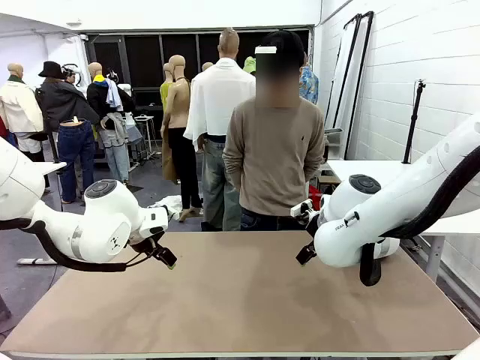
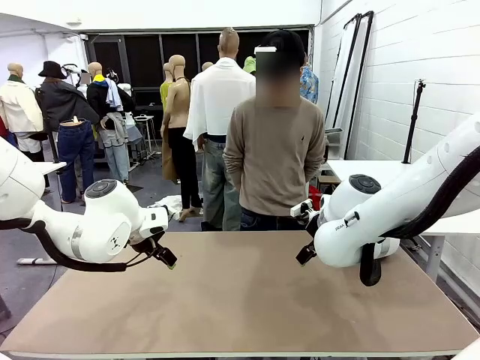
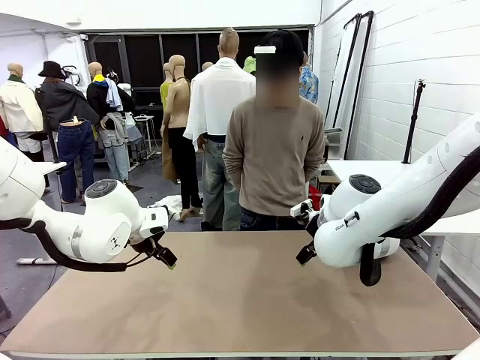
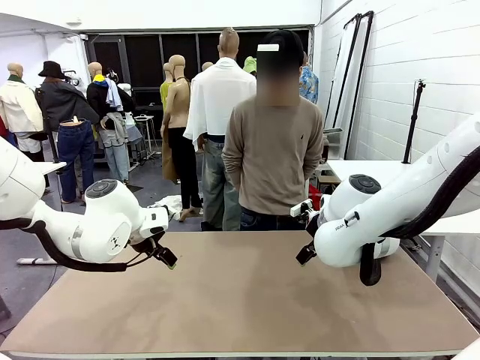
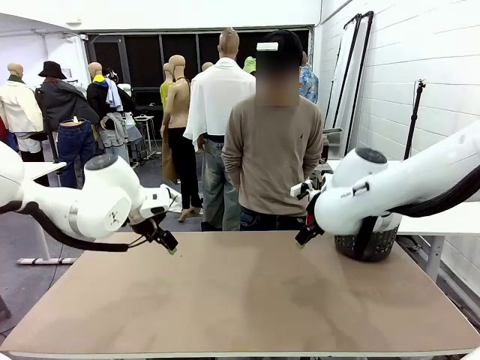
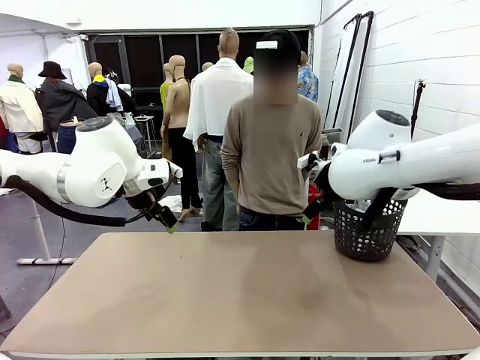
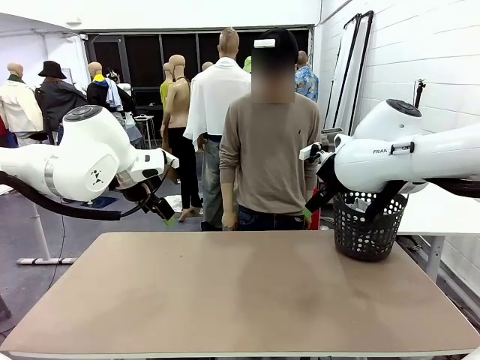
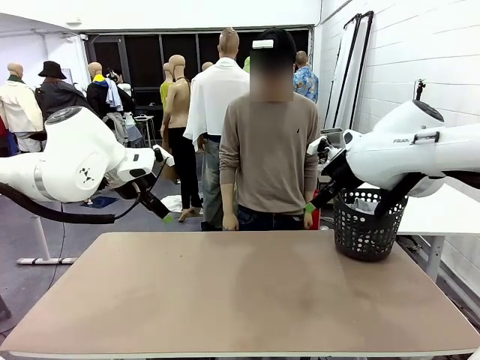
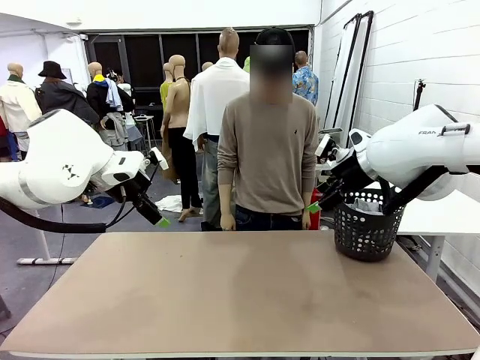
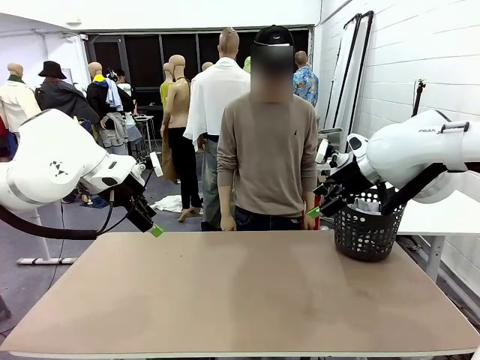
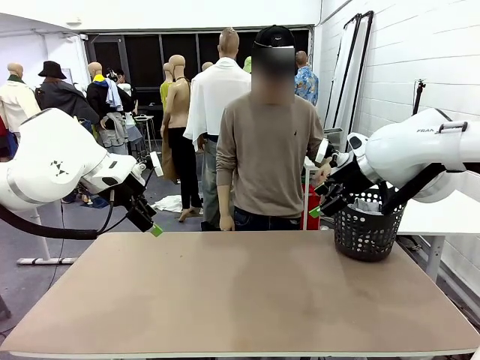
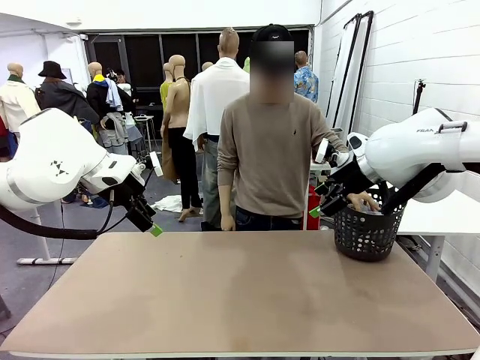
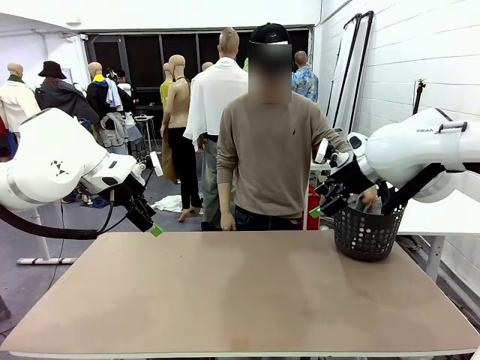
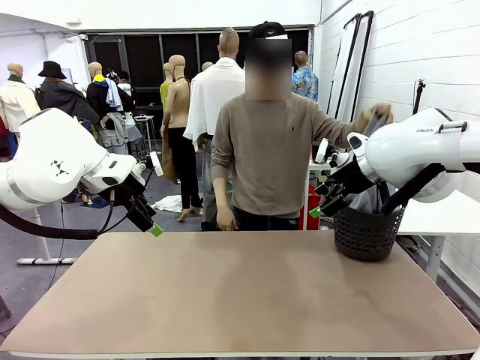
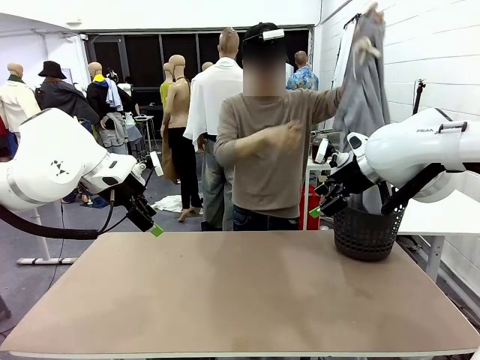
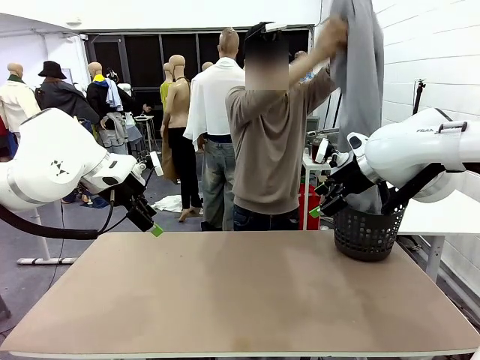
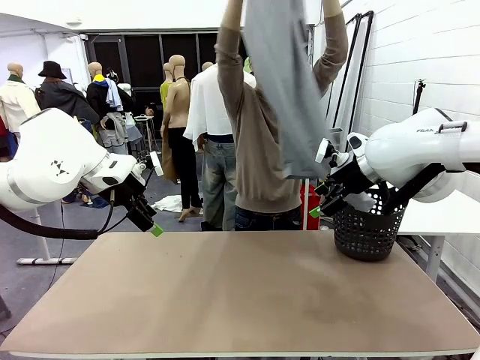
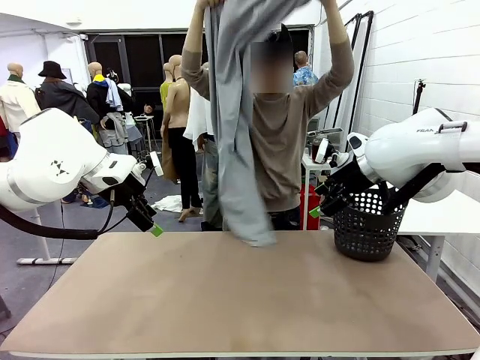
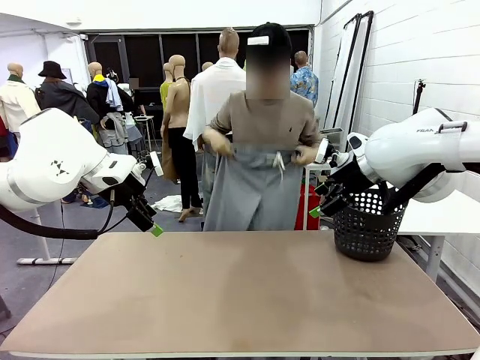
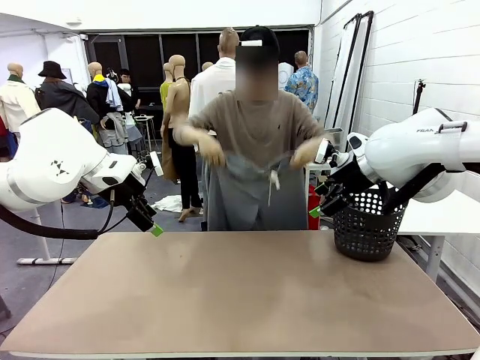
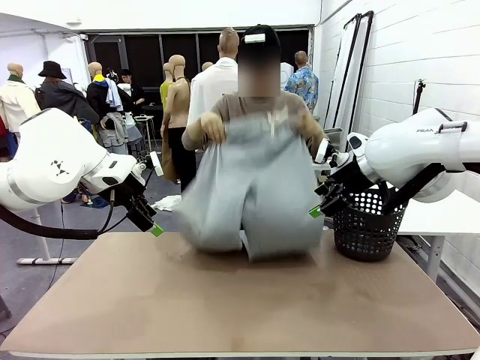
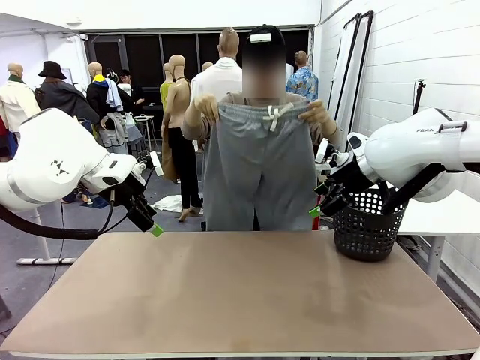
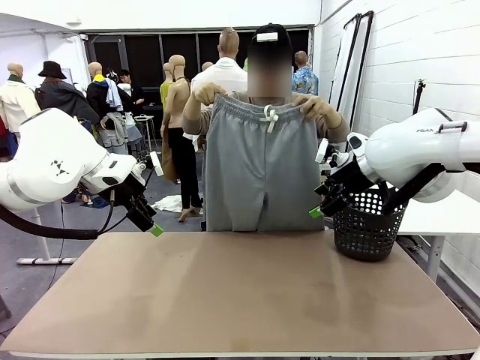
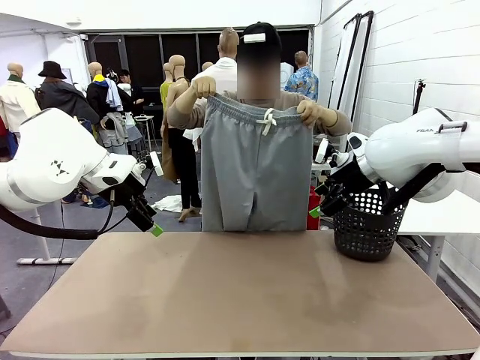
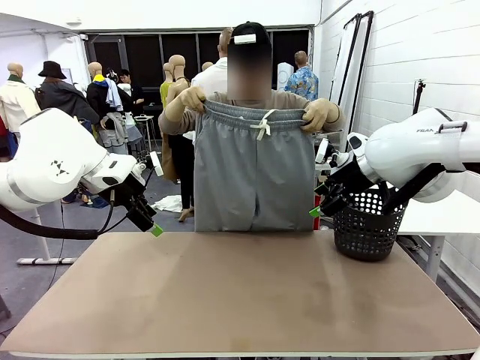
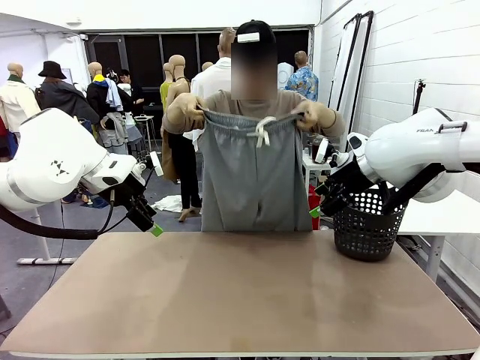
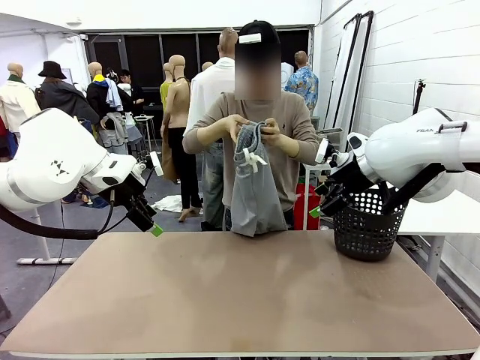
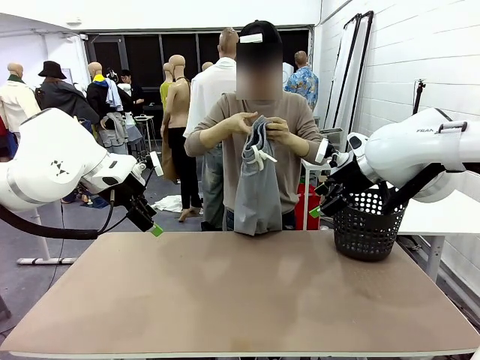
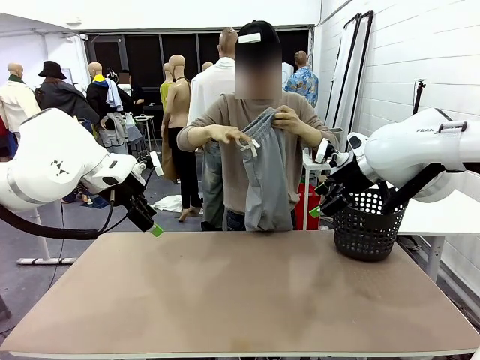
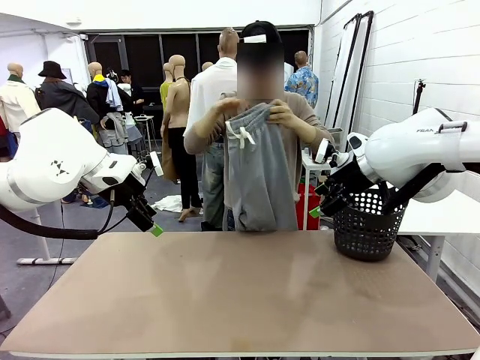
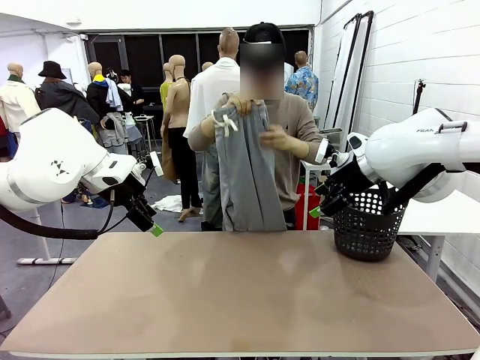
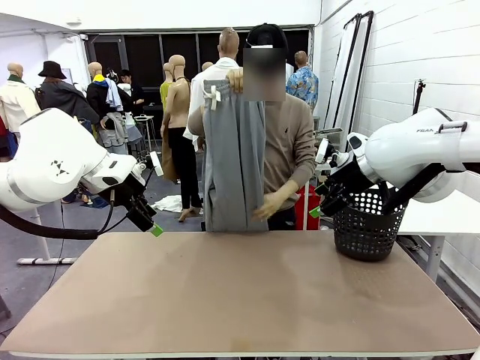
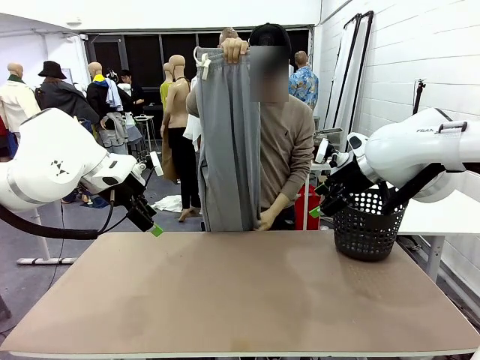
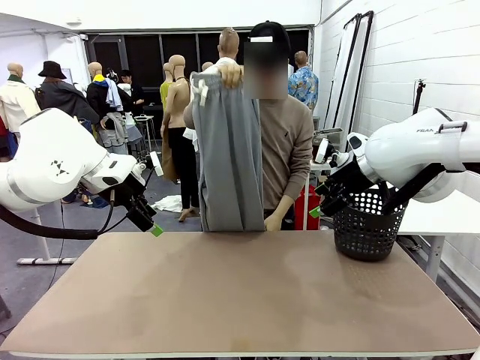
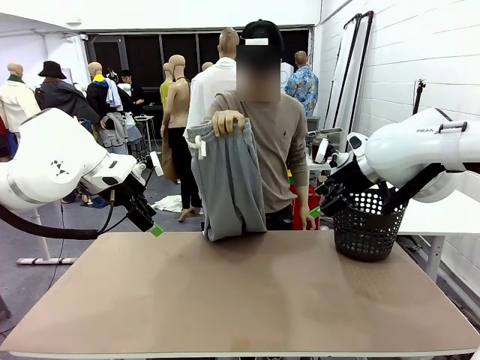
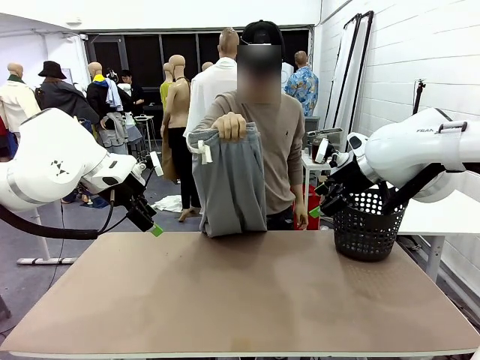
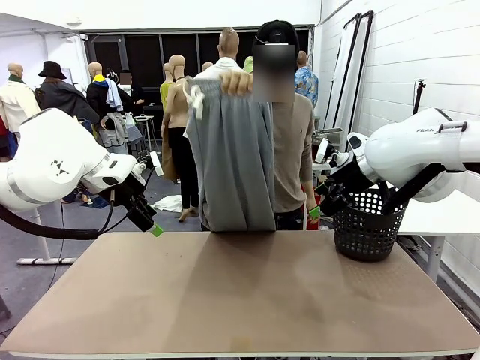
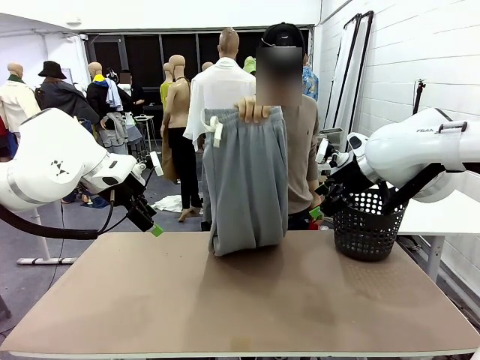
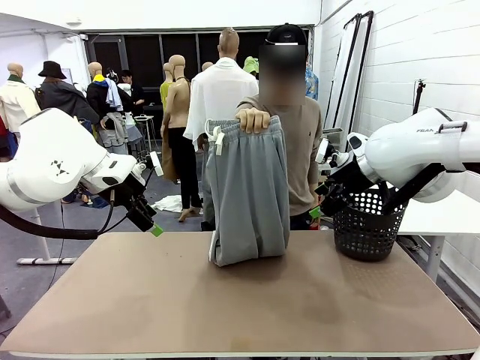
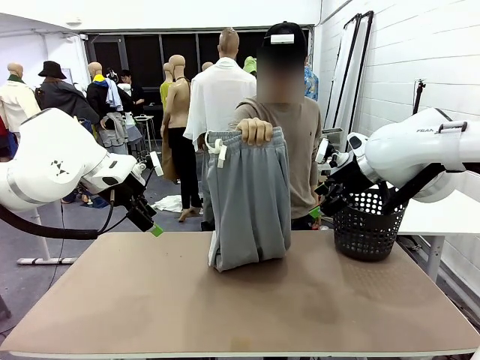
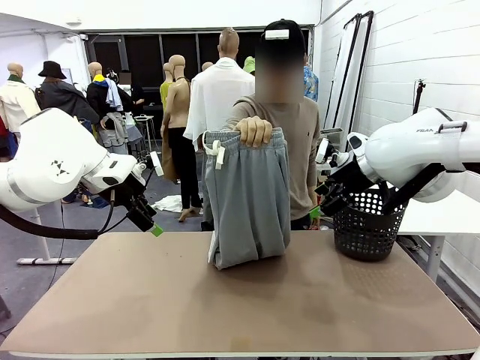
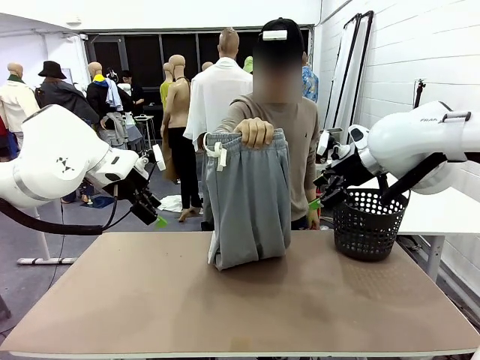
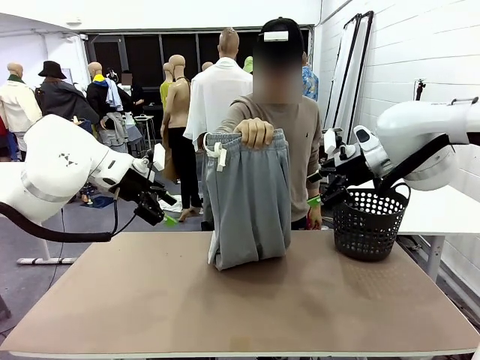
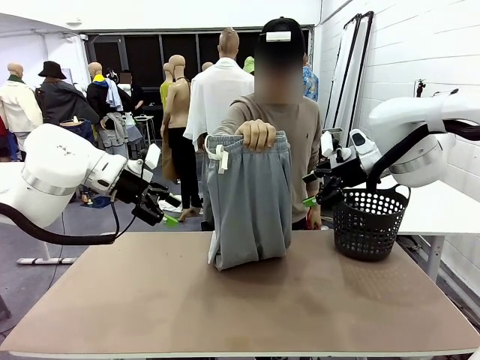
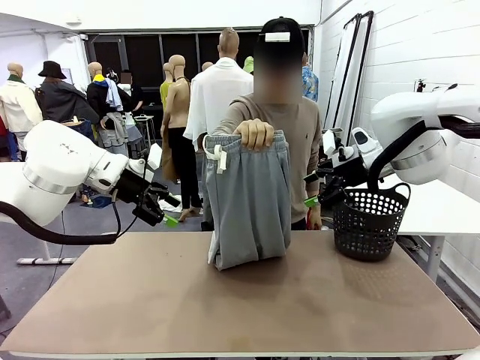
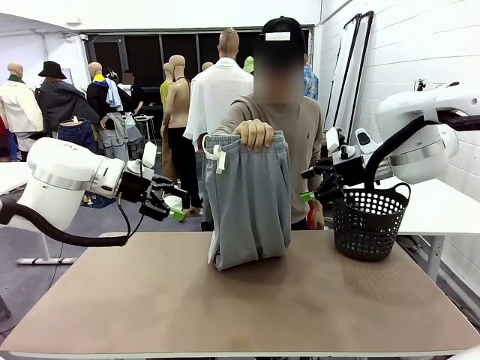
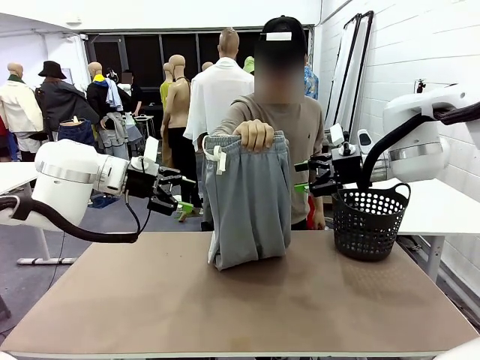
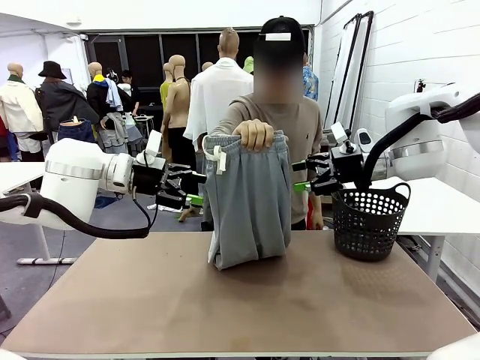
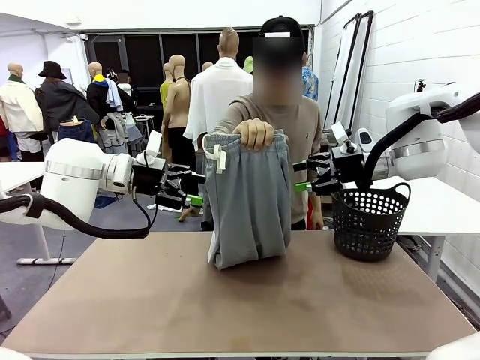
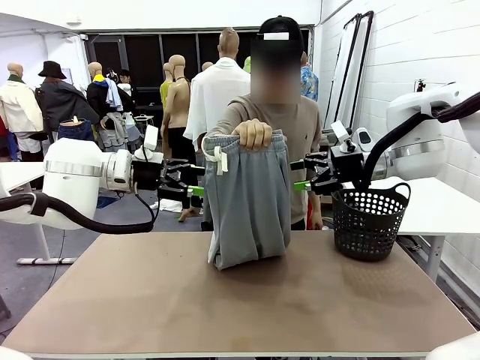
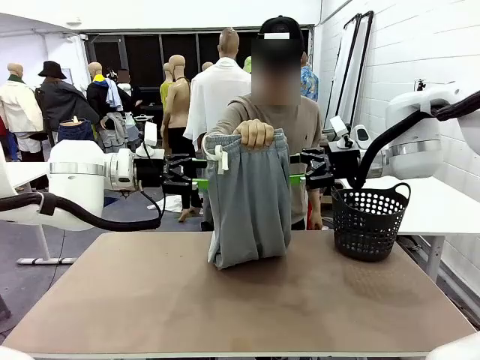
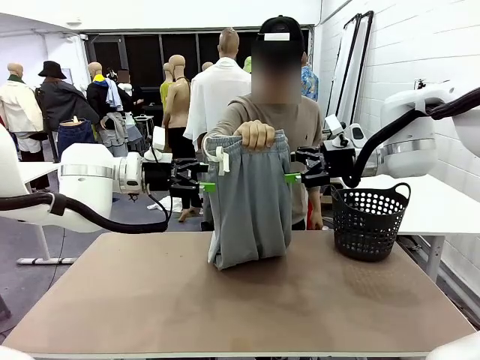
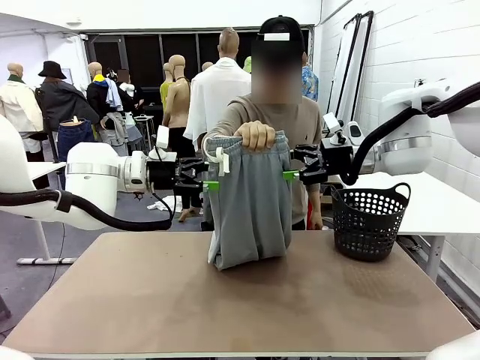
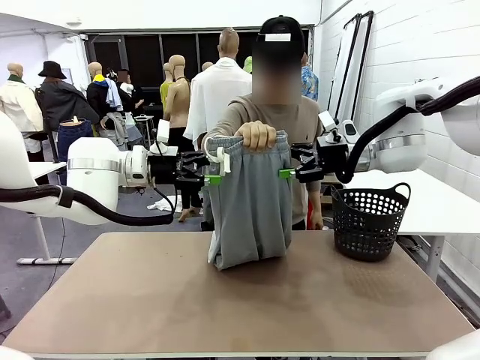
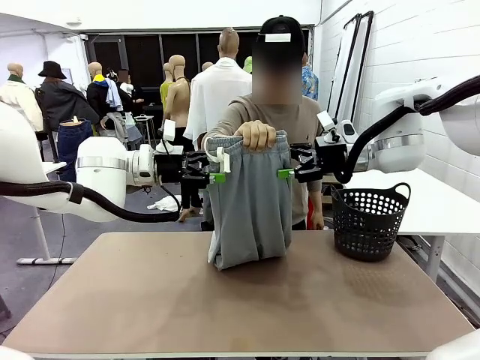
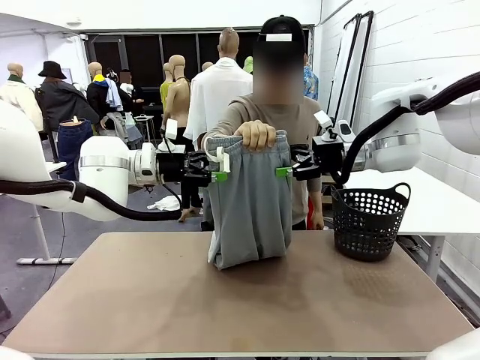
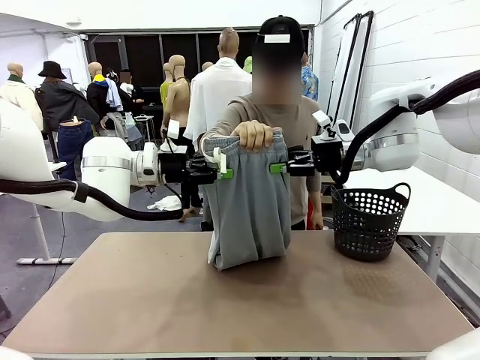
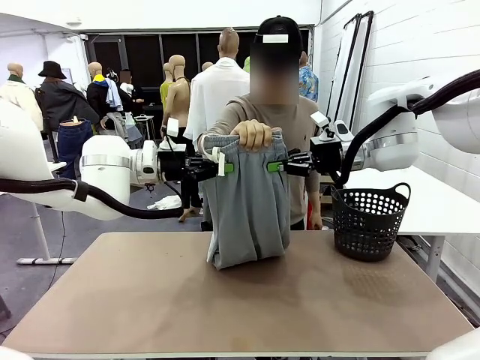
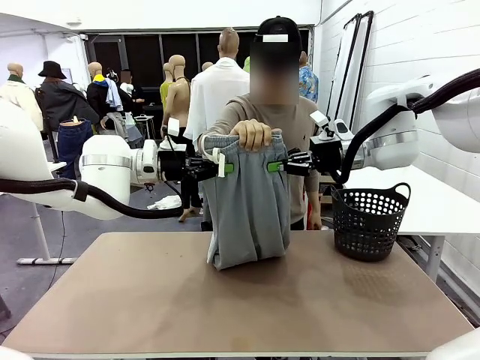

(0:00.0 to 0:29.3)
Task: Fold the training pants.
Robot: Grab both ends of the Training pants handed by a person.
Person: Take the long pants out of the laundry basket, unfold them, fold the waist in half, and extend them so the robot can pick up both corners.
